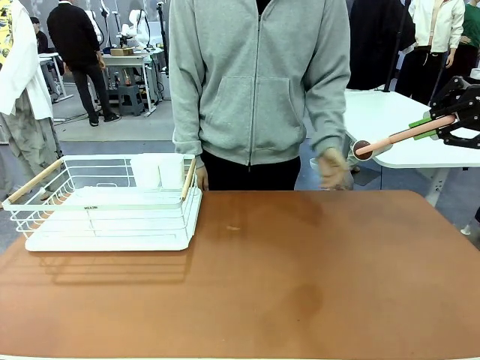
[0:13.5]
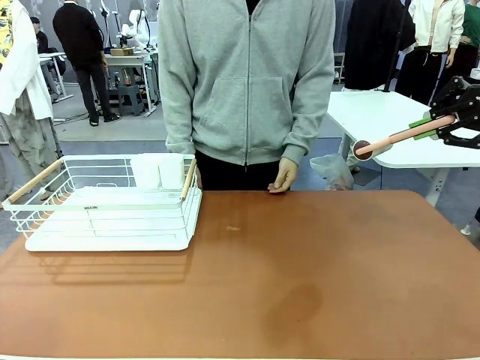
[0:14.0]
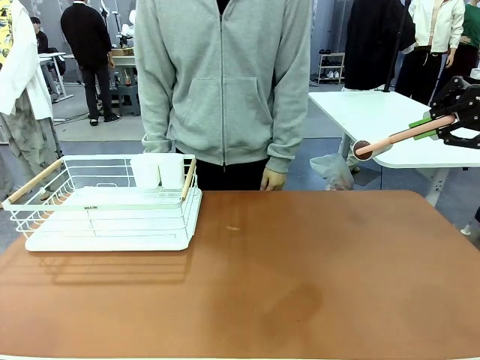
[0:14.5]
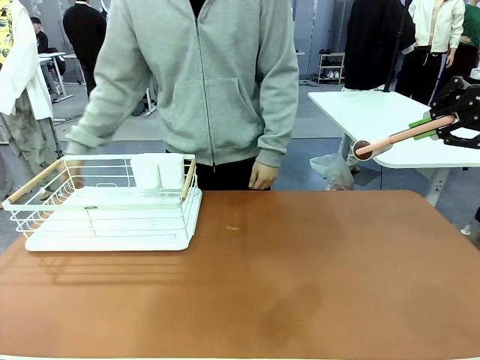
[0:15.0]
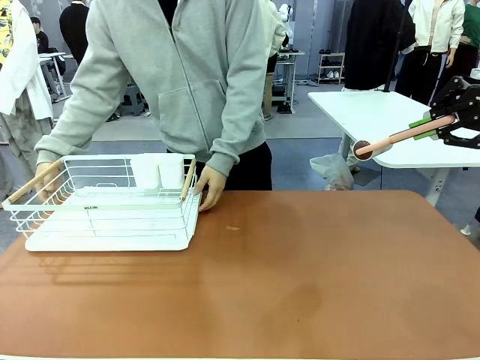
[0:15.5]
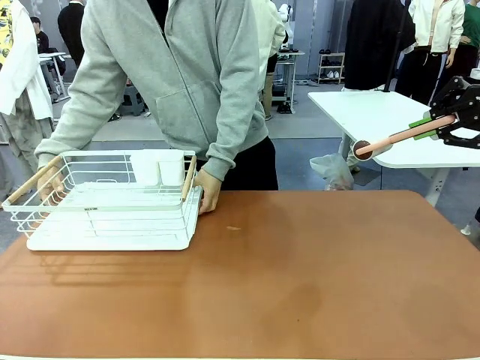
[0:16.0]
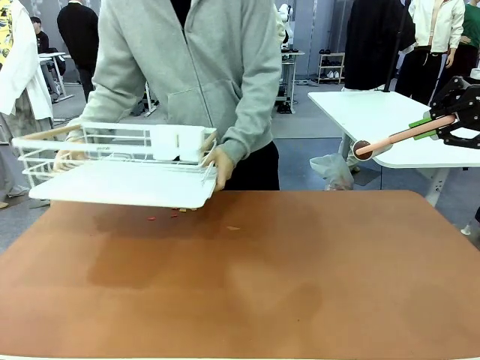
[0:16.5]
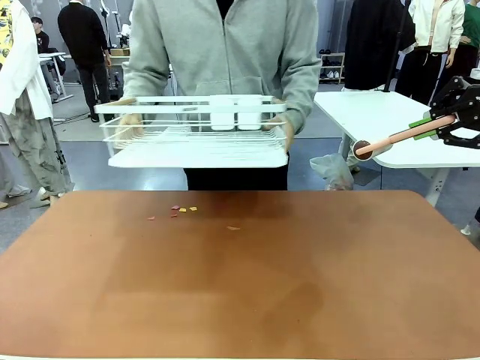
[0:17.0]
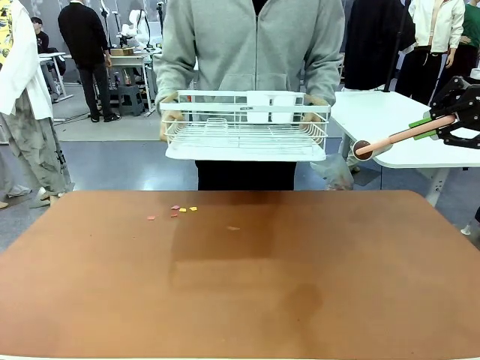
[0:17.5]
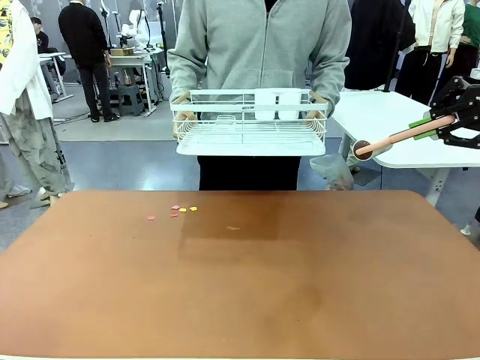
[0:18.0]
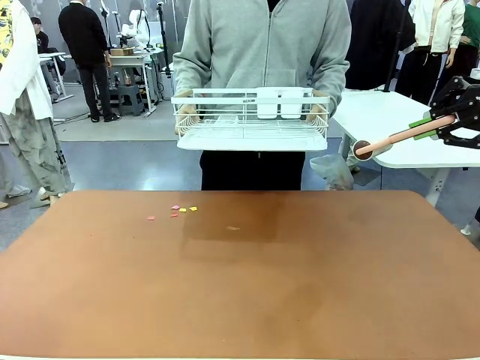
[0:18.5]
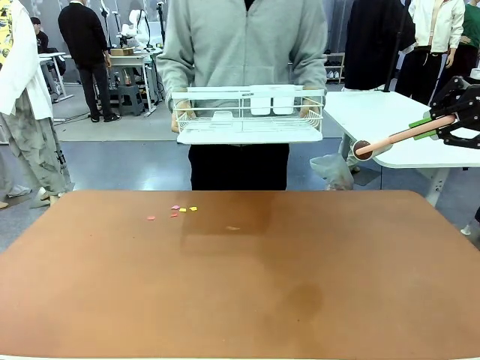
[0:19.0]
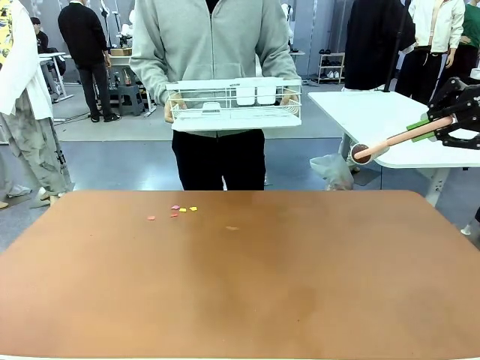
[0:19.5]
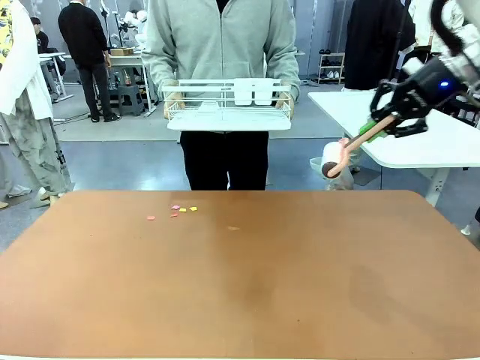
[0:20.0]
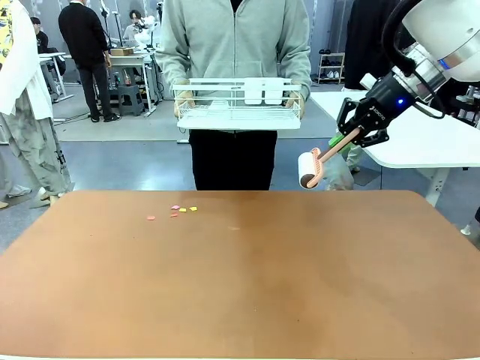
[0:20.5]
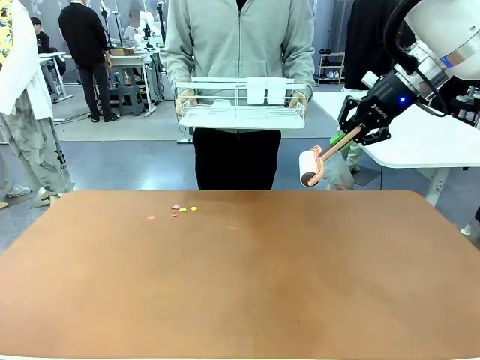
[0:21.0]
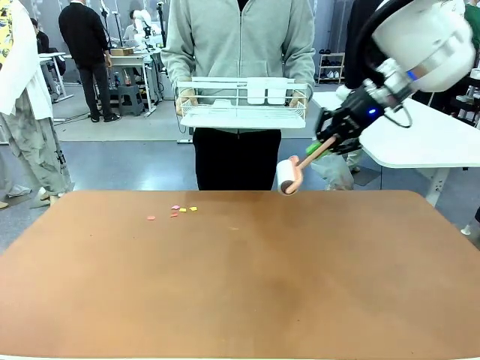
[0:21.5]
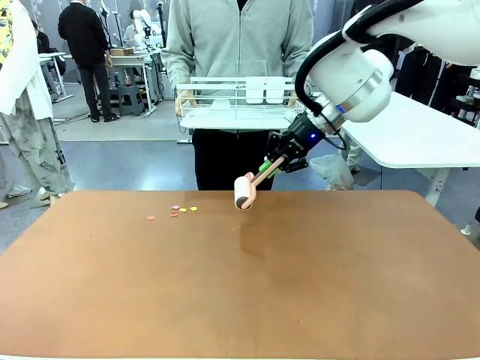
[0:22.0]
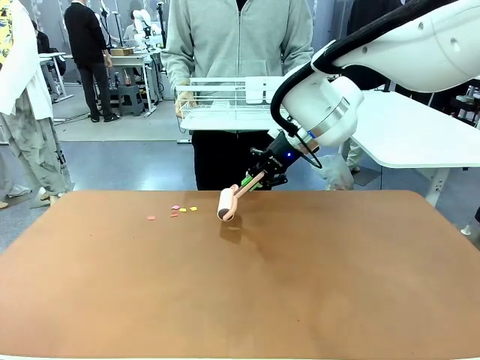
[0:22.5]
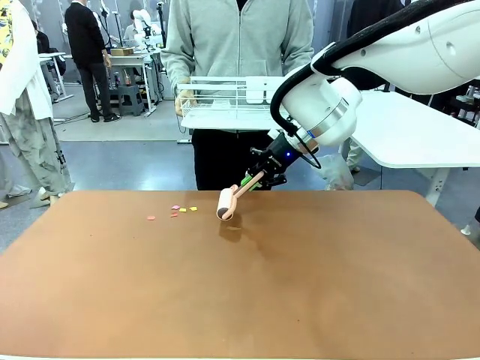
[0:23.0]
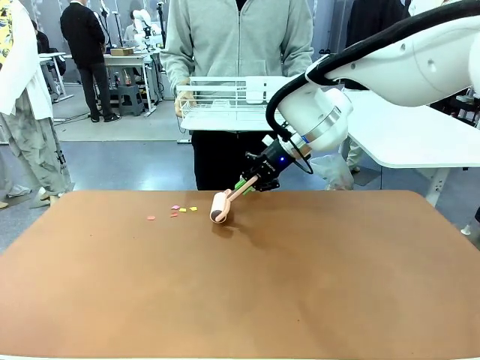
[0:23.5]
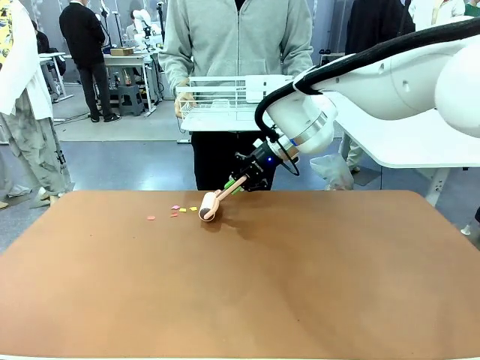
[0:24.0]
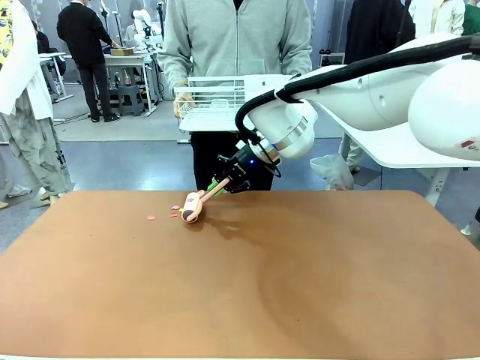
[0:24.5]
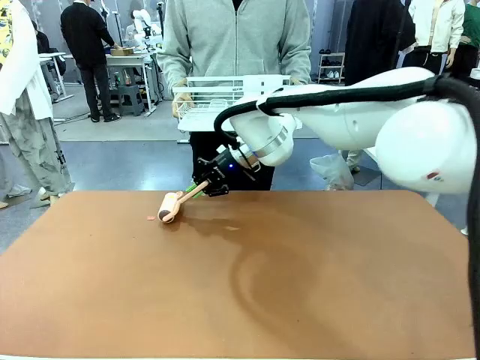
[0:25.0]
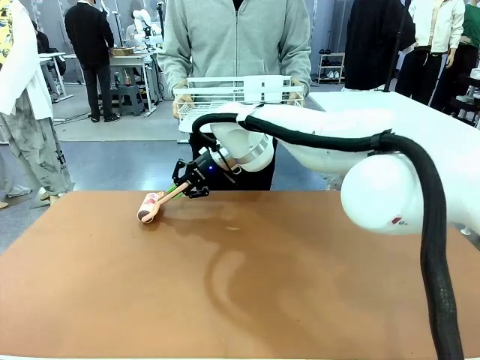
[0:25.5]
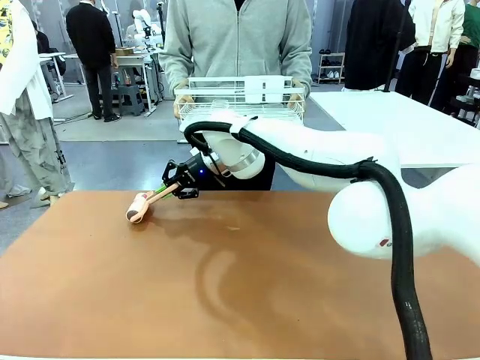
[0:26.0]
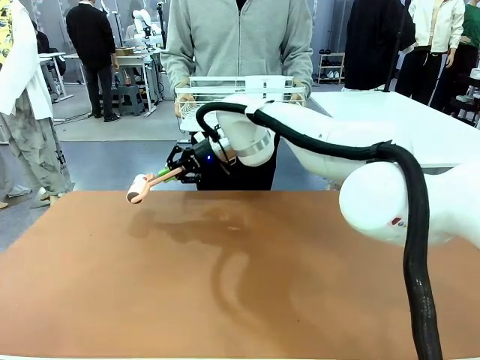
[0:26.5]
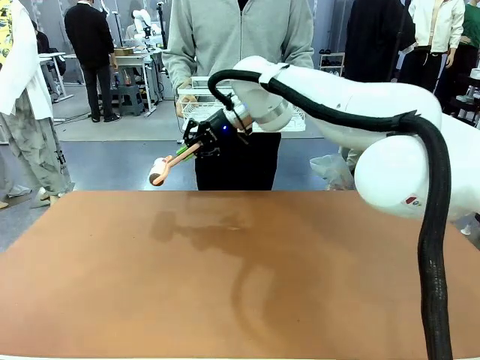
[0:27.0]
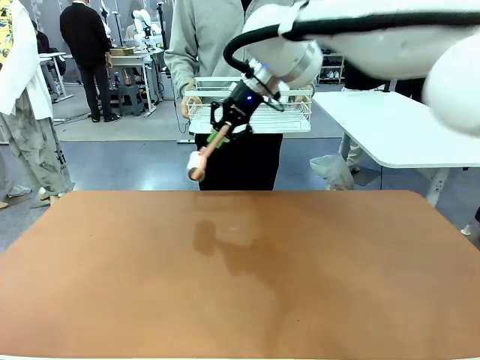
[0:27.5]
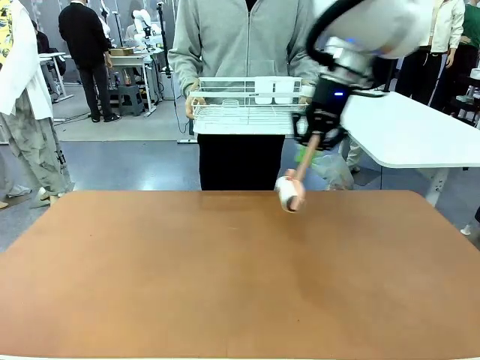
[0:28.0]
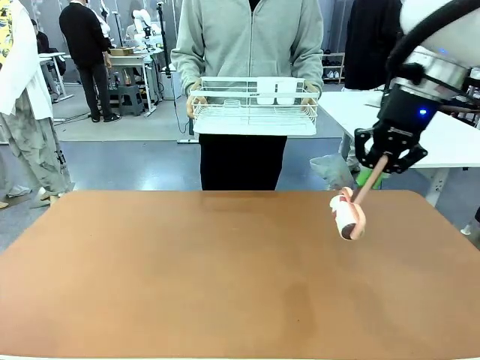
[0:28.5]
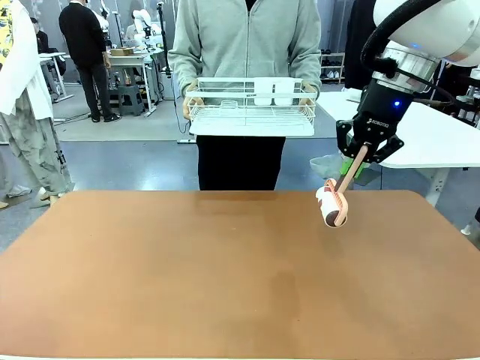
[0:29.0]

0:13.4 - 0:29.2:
Task: Clean the table.
Robot: Clean the table with the Lint Roller when the human lifts the Dish drying rack.
Person: Lift the Dish drying rack. Place the Dish drying rack down when the robot finishes cleaning.

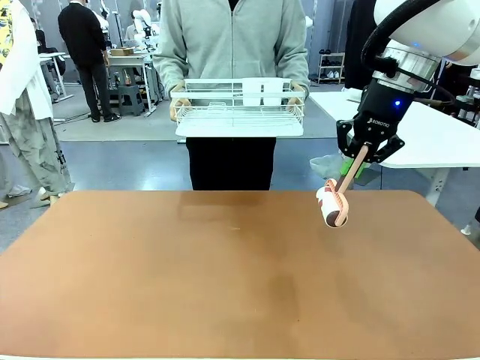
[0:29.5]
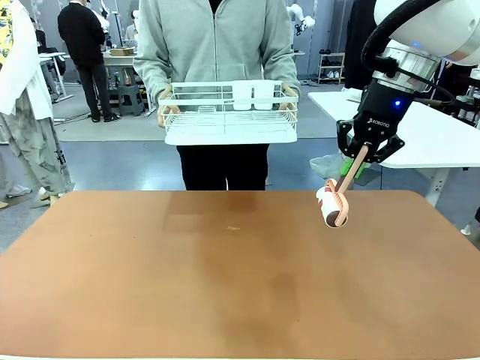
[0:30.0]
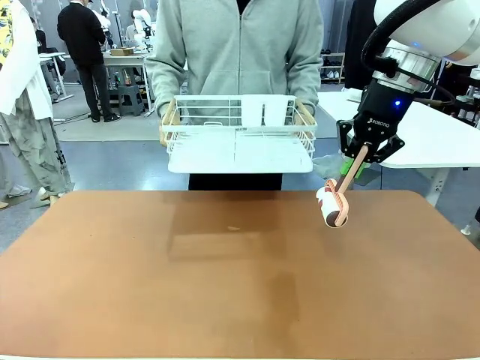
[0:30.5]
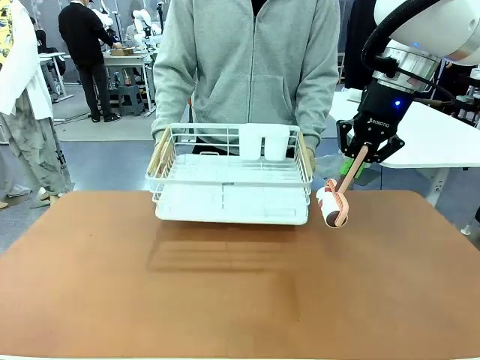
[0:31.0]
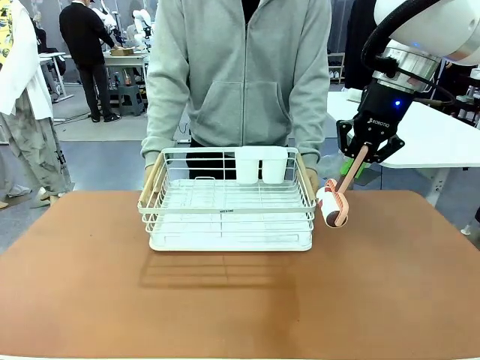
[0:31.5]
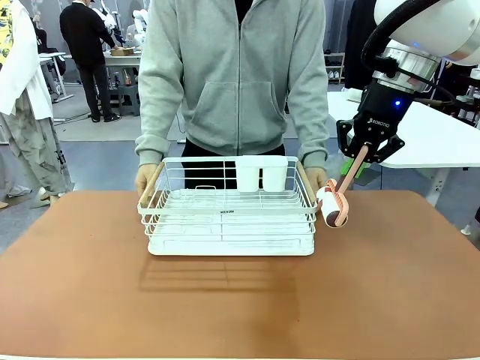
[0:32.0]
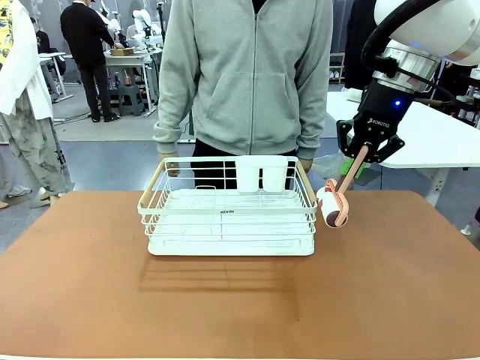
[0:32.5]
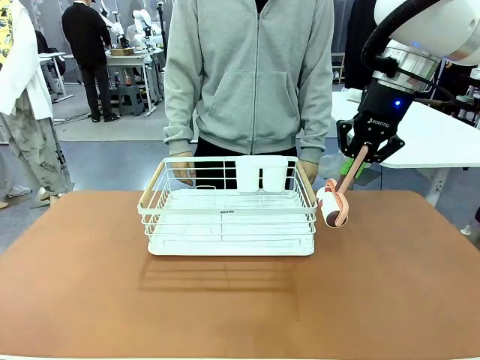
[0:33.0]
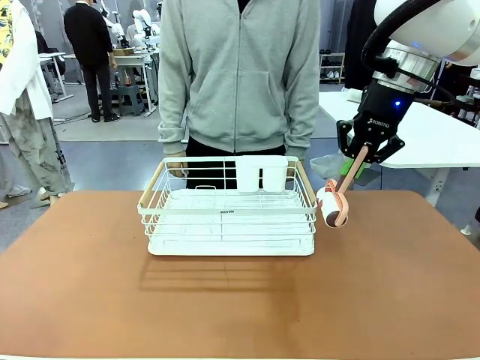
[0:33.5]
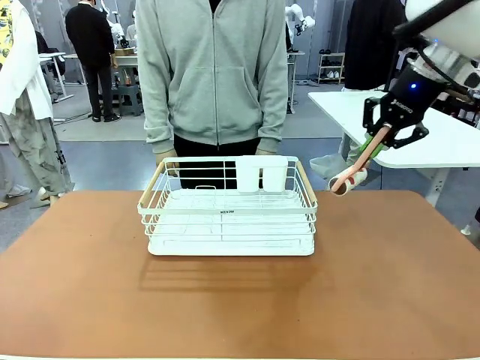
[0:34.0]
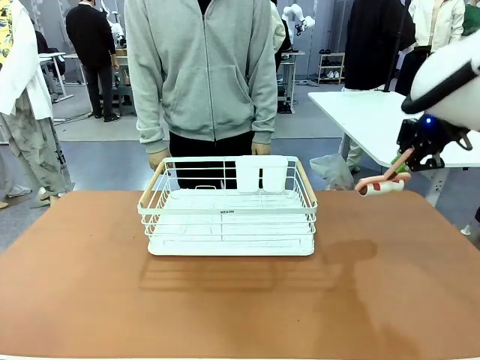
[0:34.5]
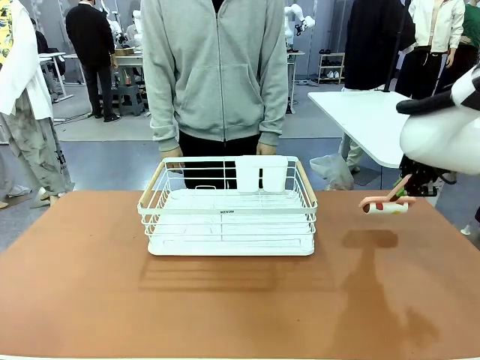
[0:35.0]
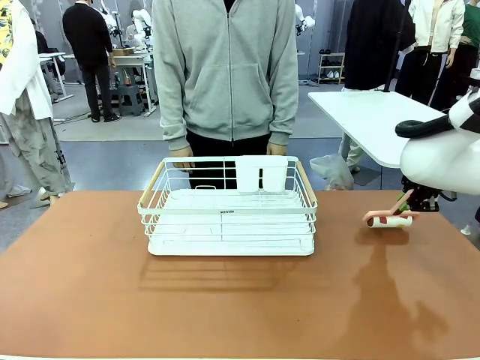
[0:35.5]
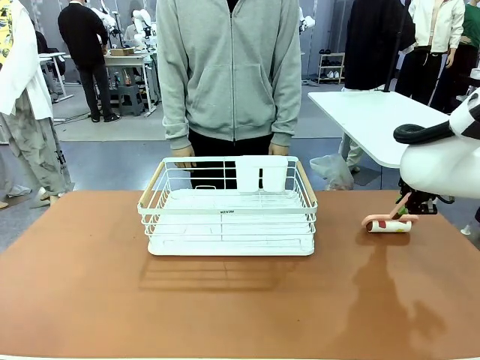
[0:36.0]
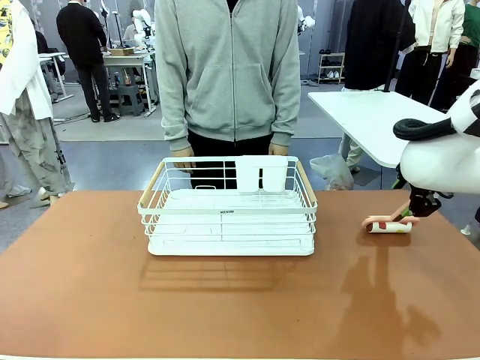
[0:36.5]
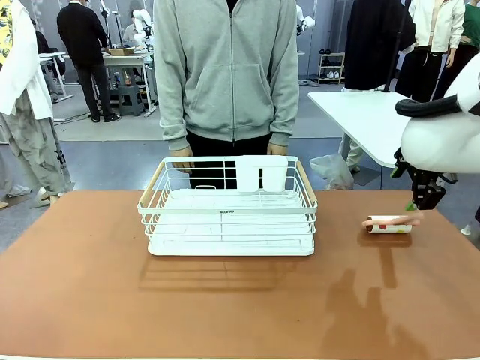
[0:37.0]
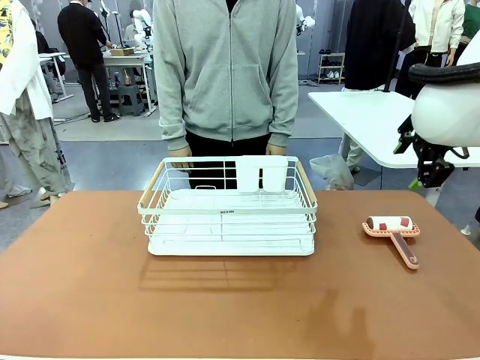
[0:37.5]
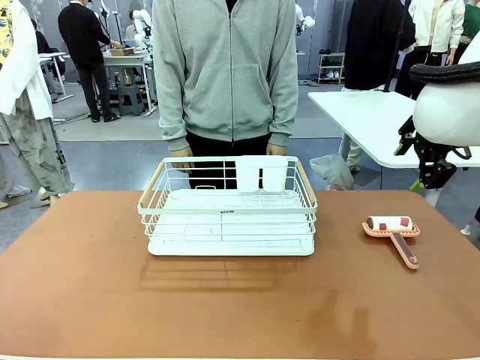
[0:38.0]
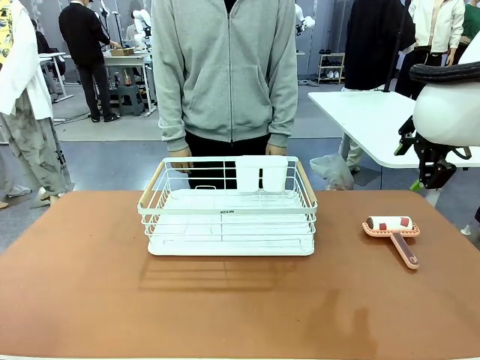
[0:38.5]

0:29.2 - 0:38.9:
Robot: Place the Lint Roller down when the Dish drying rack is positioned in the middle of the table.

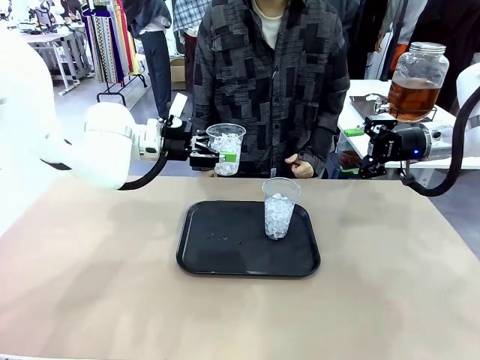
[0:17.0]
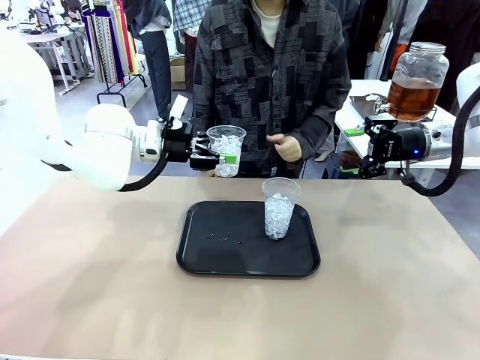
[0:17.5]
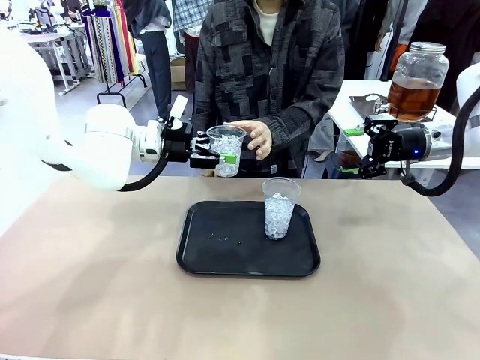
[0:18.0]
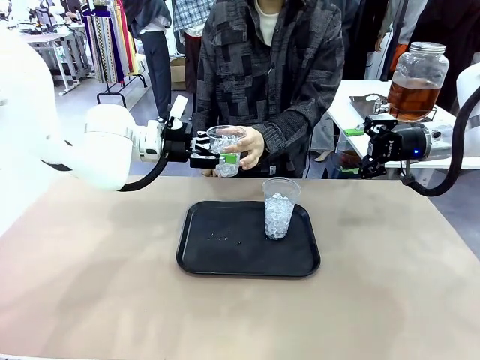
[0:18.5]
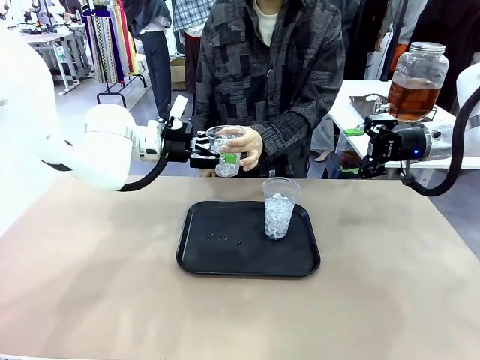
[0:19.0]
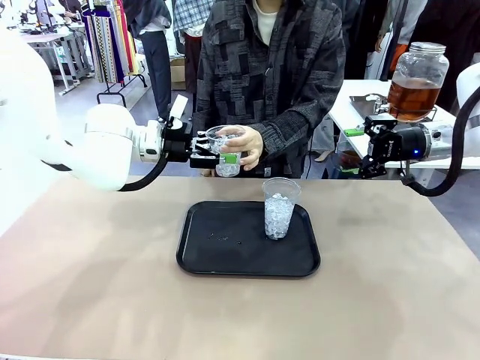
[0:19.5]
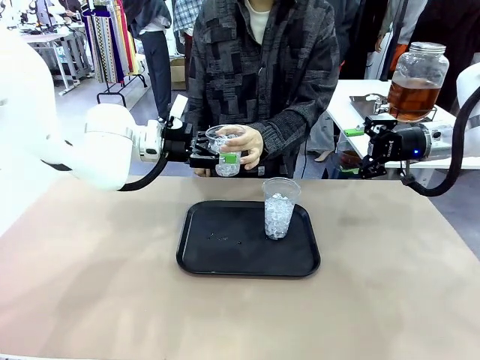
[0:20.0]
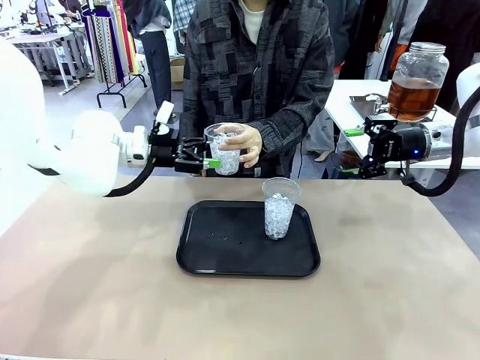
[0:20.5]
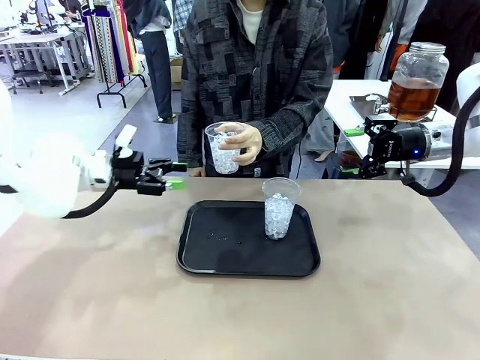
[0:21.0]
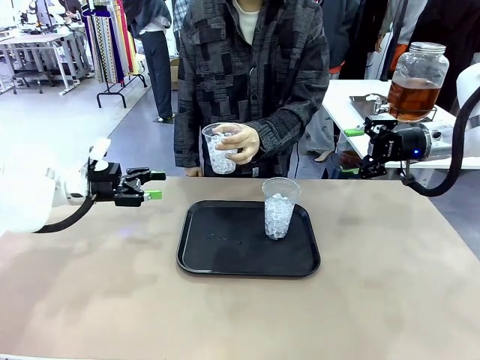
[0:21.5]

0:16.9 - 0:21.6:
Task: Pour the drink into the iced cup.
Robot: Open the gripper to release the iced cup you were holding.
